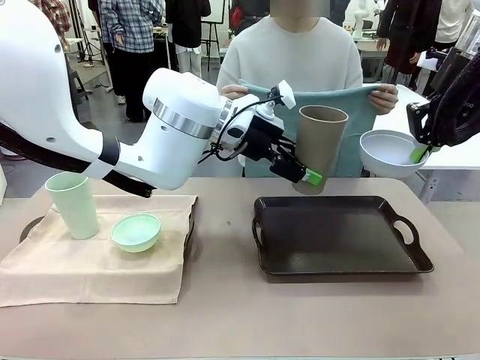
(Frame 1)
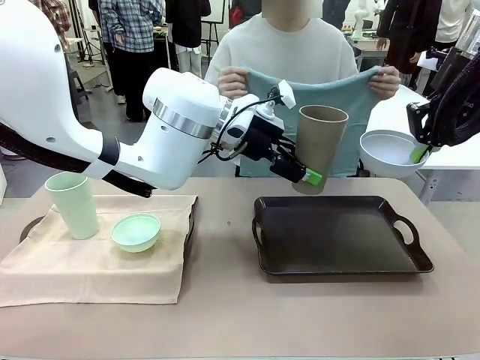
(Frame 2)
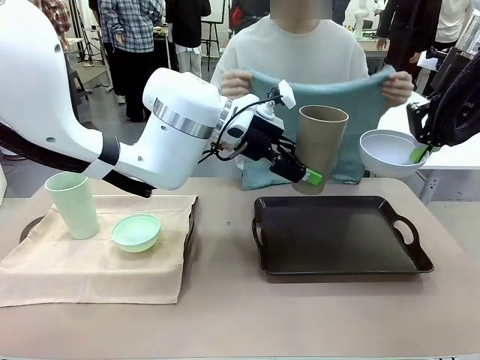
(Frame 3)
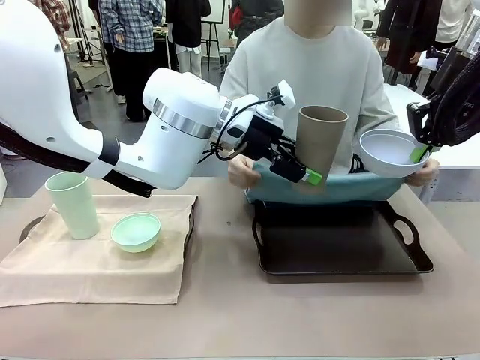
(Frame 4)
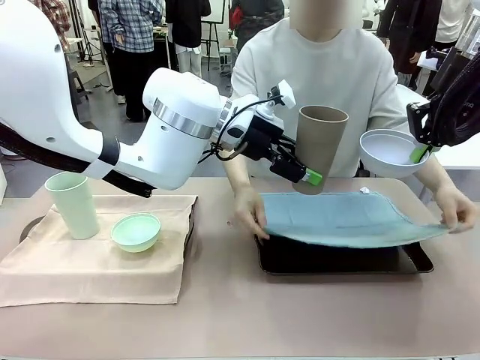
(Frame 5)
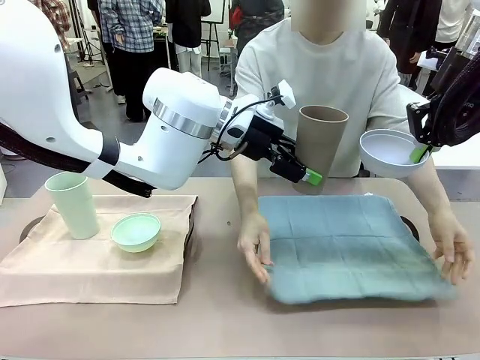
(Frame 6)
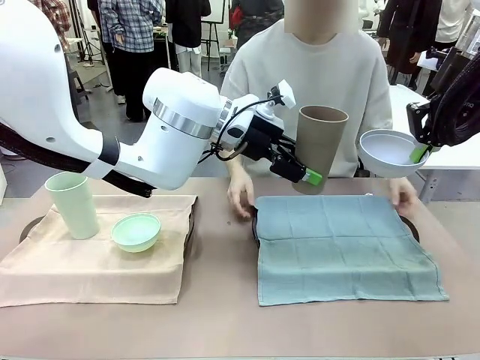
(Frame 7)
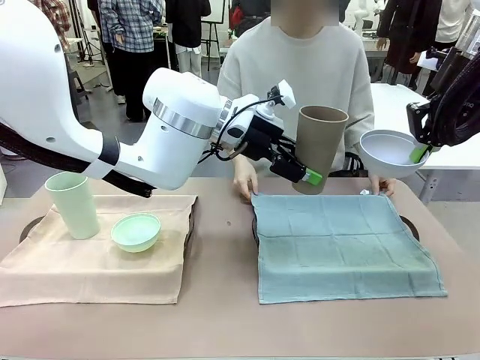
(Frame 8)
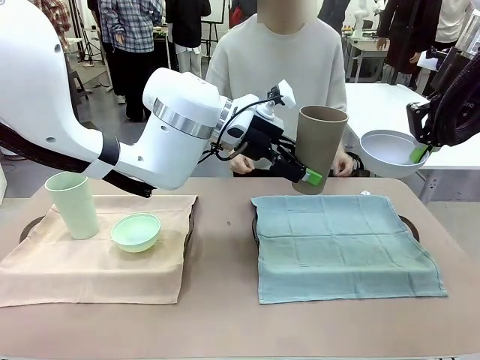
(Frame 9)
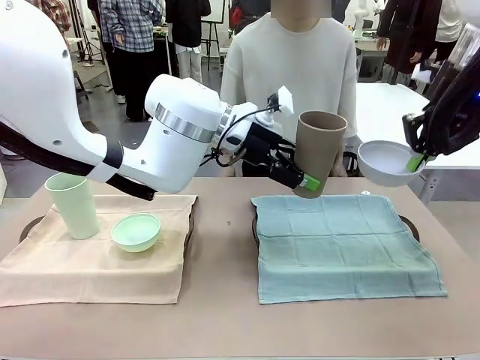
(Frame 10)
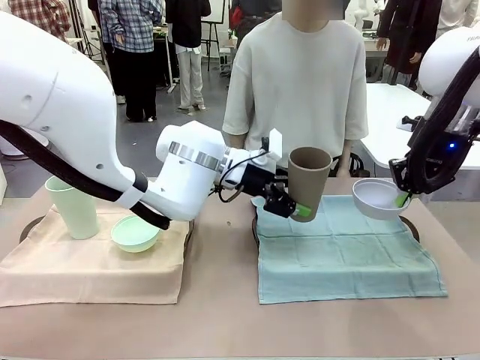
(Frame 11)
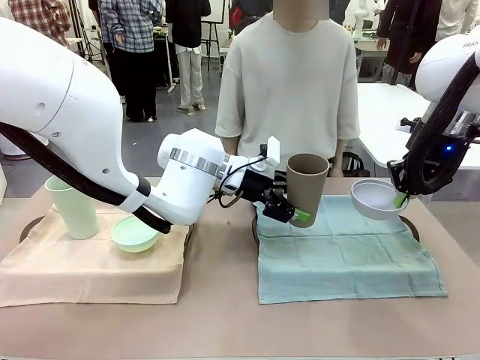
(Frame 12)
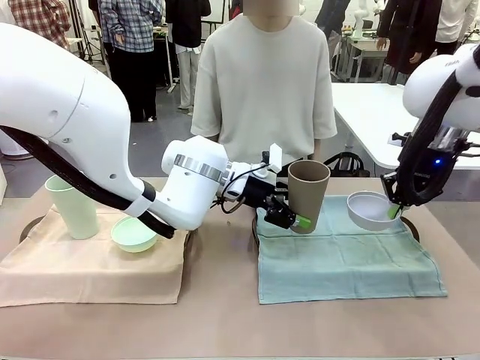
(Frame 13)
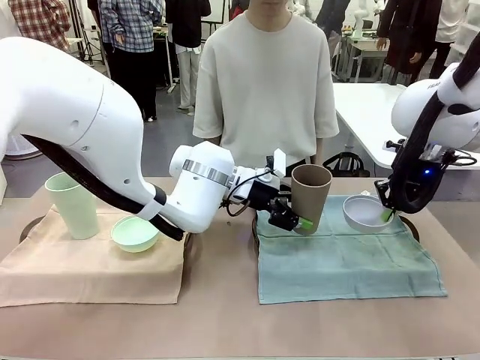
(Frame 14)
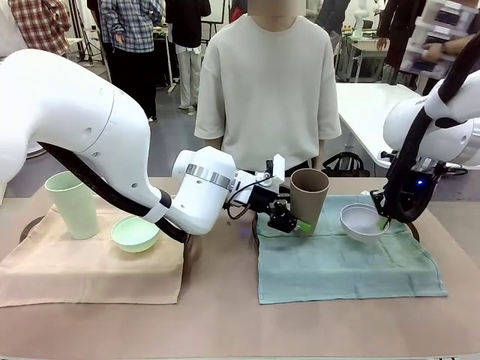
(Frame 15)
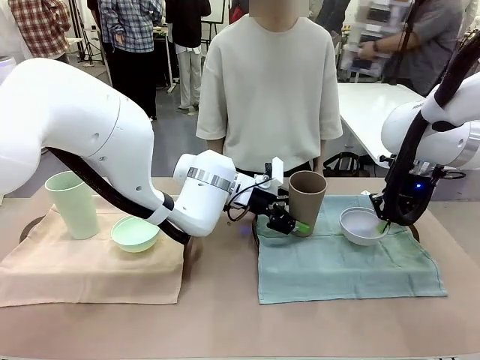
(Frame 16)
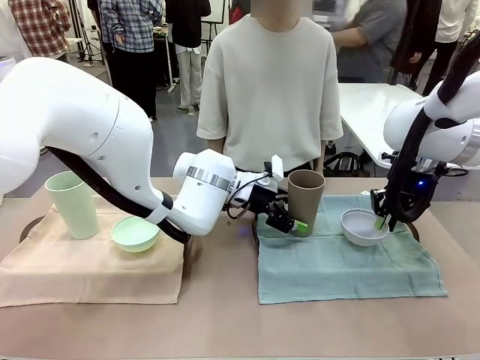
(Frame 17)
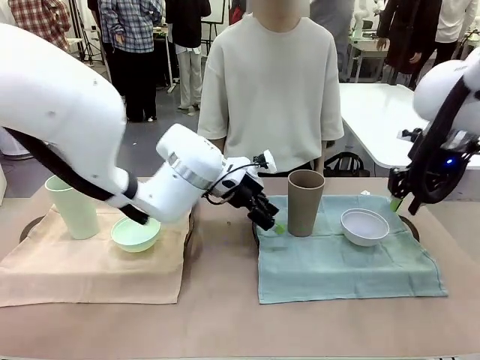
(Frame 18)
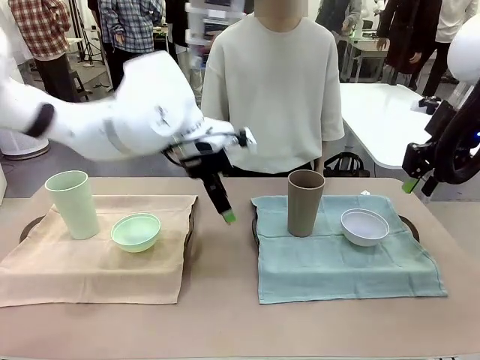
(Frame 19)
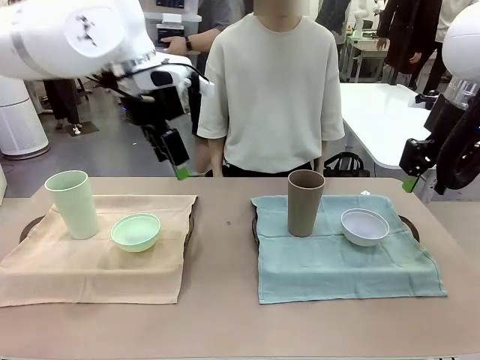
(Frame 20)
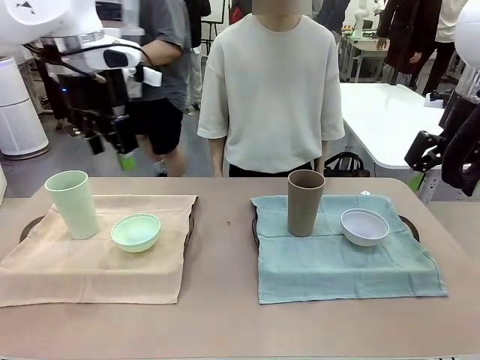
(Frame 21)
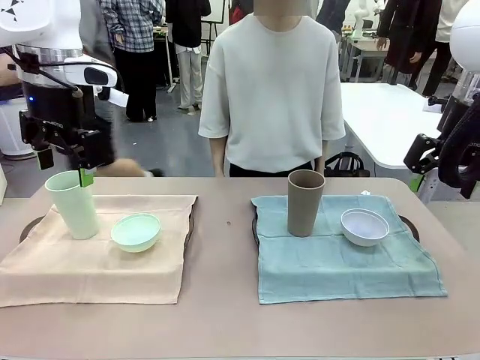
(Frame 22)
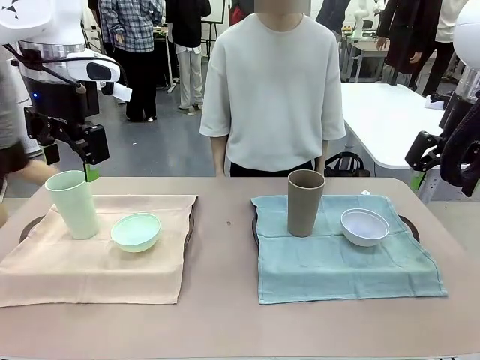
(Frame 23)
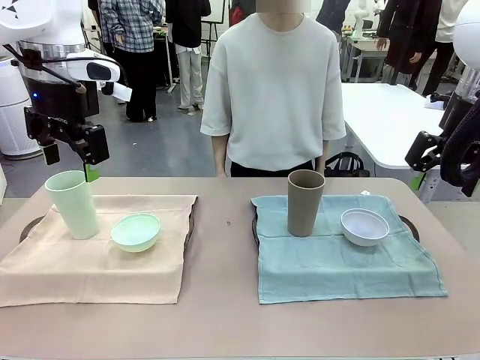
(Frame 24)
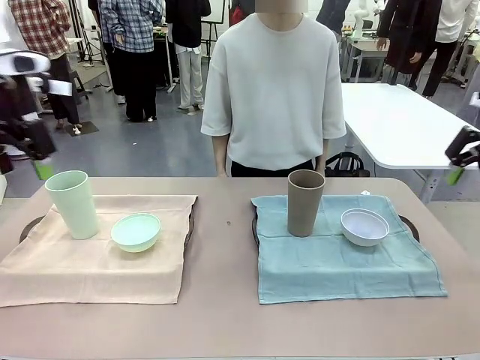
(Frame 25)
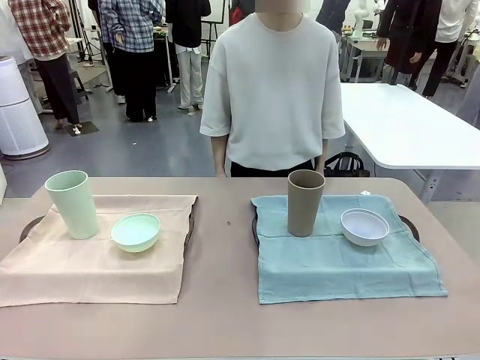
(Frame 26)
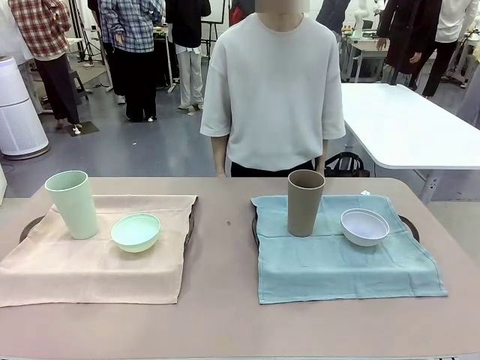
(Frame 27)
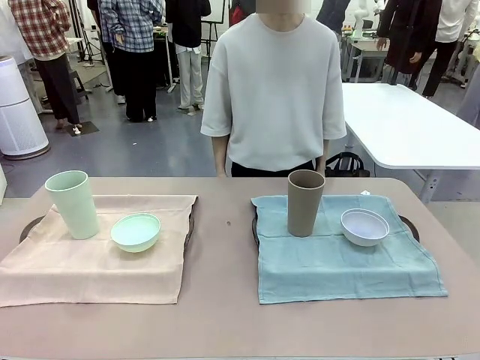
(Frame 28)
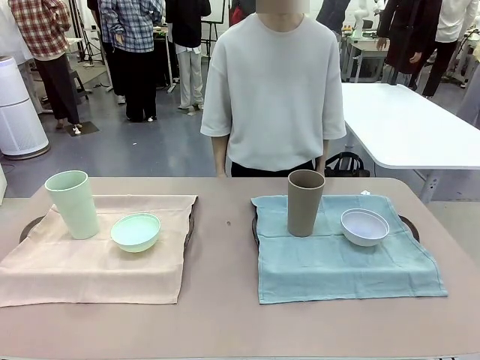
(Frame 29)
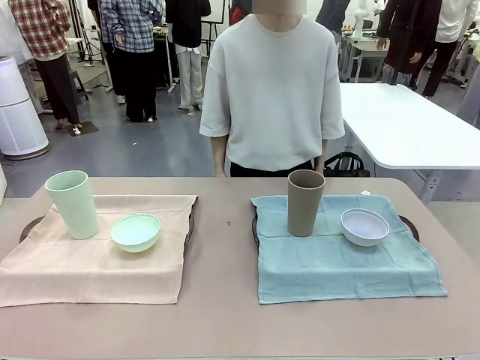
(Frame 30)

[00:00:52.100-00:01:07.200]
Robot: Place the Picnic Bowl and Reusable plastic cup back onto the Handle tray in front of the human's position.
Person: When the robot lifts the bowl and the cup, the human unfolds the napkin and lays the napkin flat on the tray.

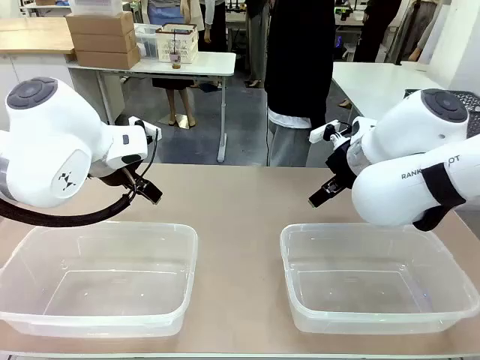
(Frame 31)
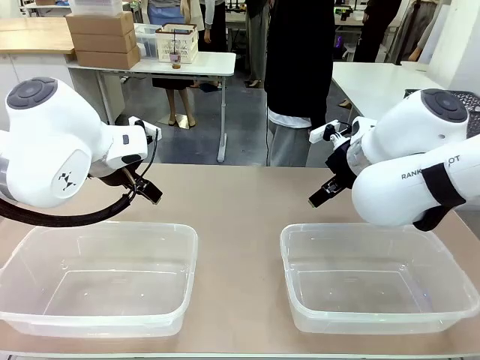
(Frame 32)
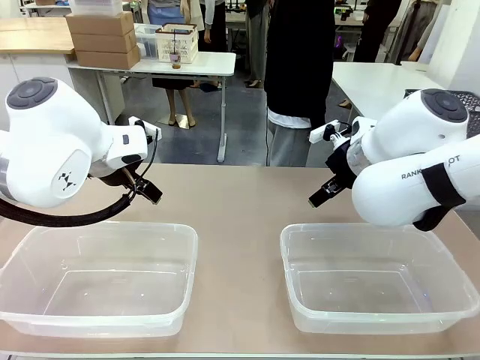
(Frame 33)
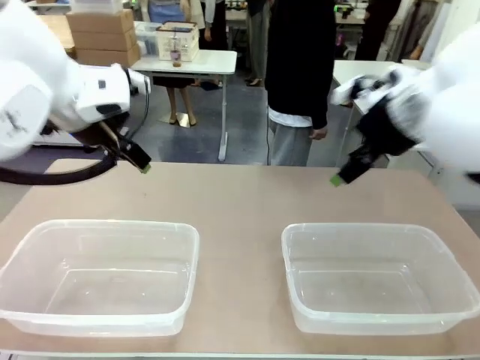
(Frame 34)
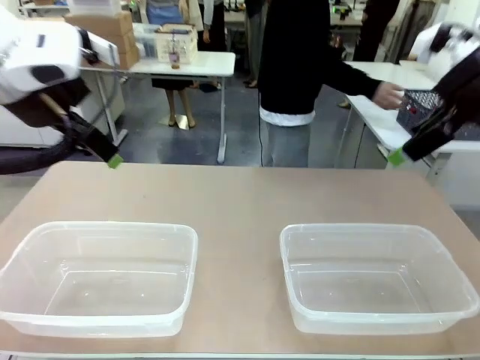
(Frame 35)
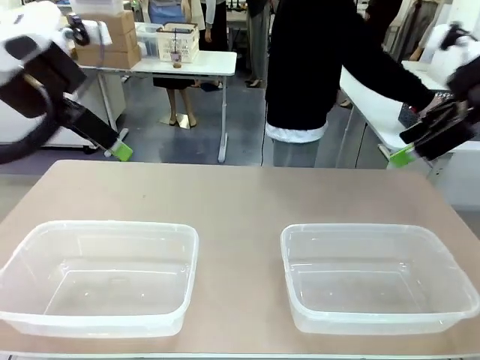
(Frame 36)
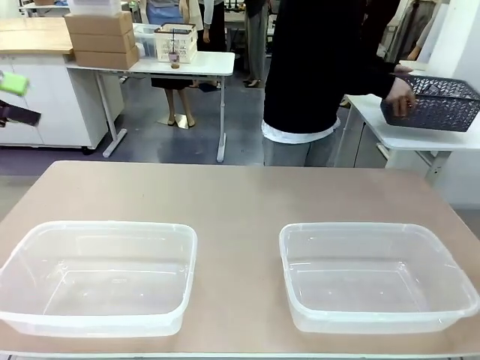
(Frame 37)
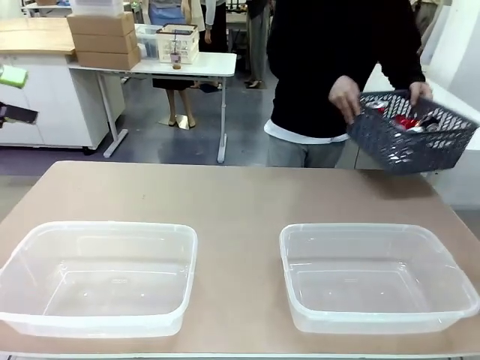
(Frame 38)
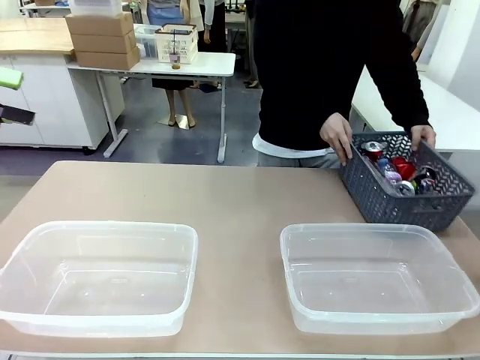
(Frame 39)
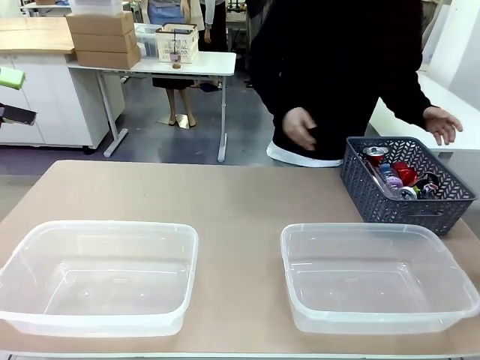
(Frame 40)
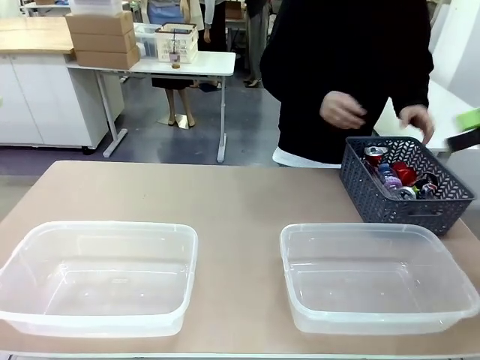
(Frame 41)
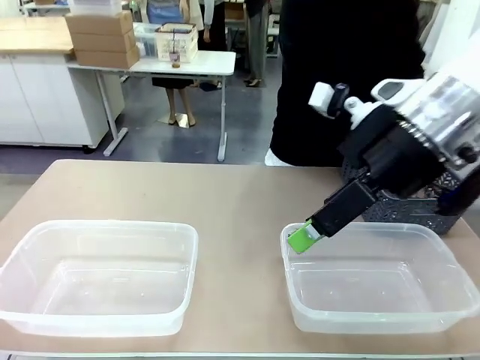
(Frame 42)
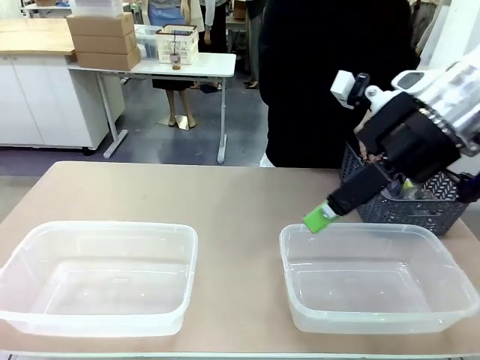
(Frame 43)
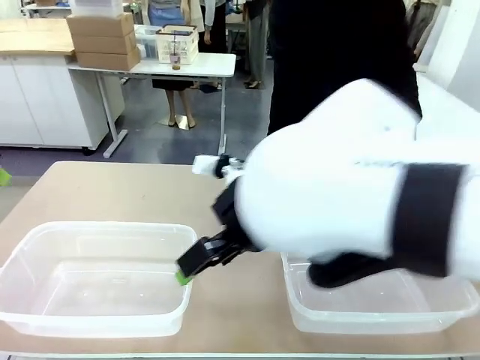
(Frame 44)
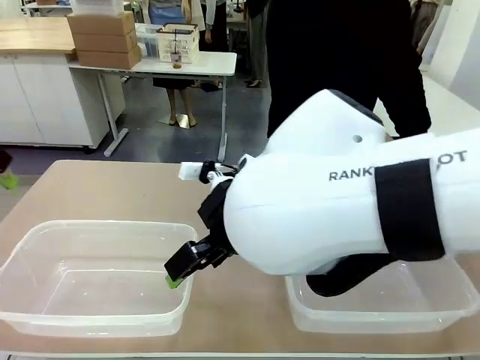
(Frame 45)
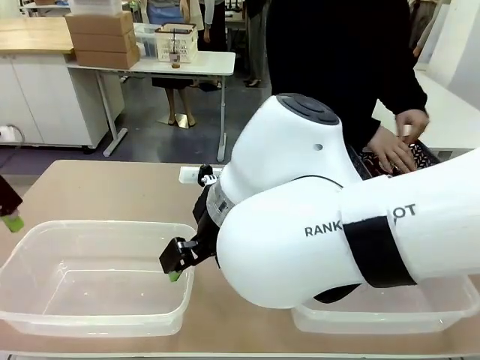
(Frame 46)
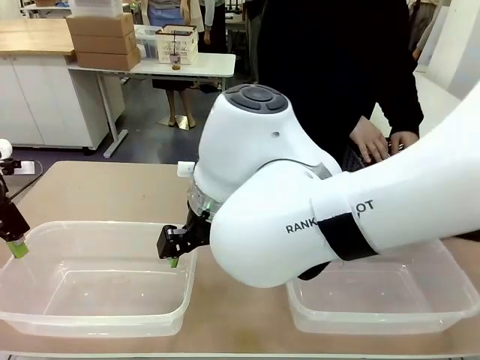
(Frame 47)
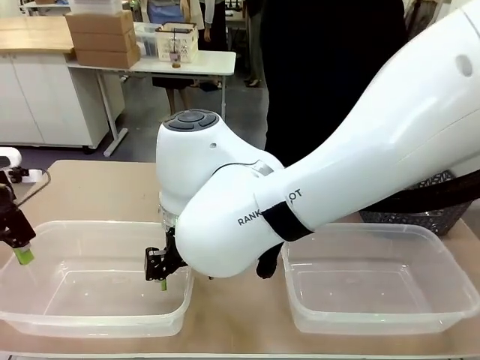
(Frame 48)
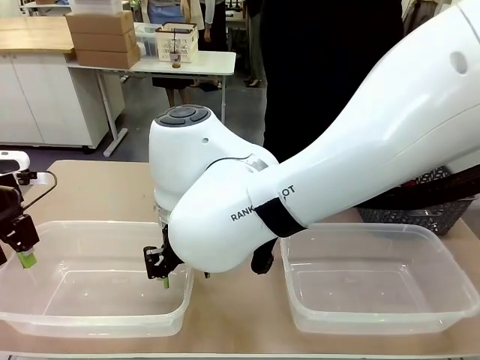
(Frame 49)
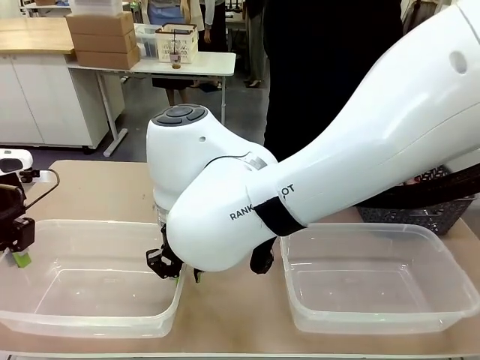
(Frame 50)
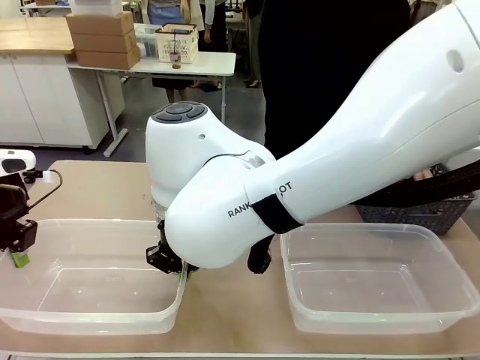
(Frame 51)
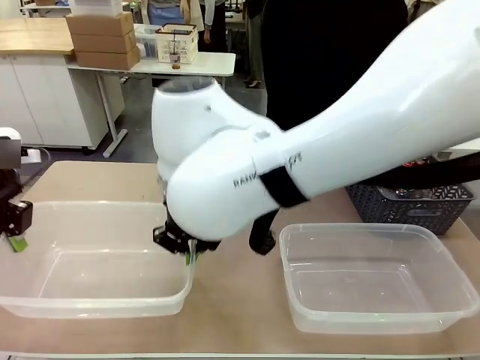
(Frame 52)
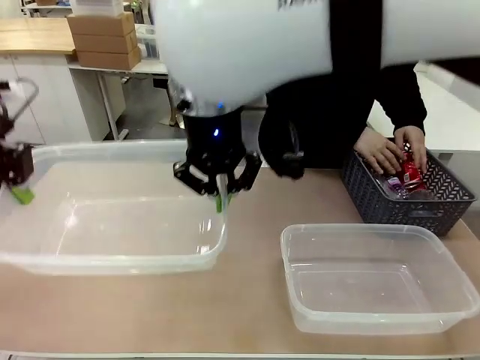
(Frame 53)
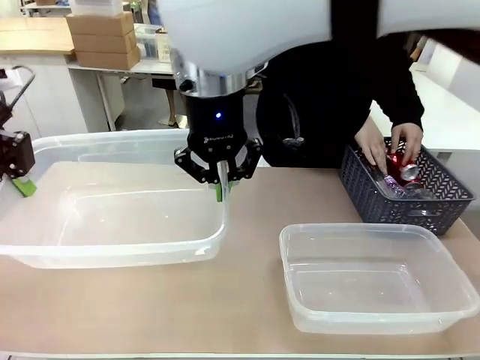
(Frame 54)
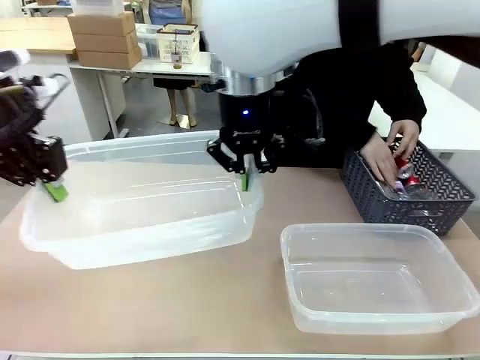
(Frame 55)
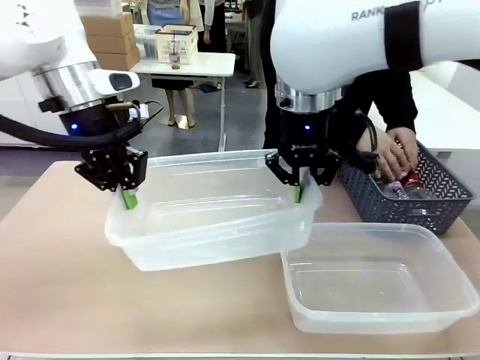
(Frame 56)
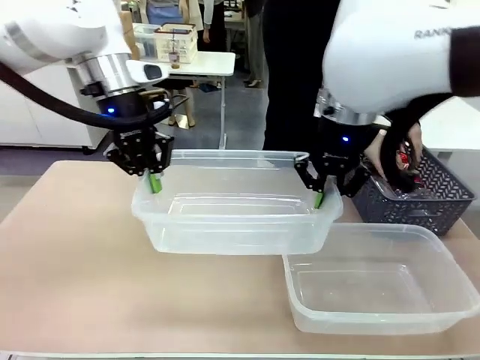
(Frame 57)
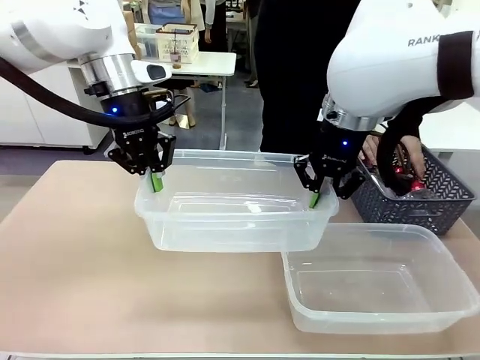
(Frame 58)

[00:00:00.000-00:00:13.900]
Robot: Pick up the Organizing box on the left side of the table and lift it.
Person: Pick up the storage basket and place it on the left side of the robot table. Pick up can-shaped waste one by one and place it into the organizing box lifted by the robot.
